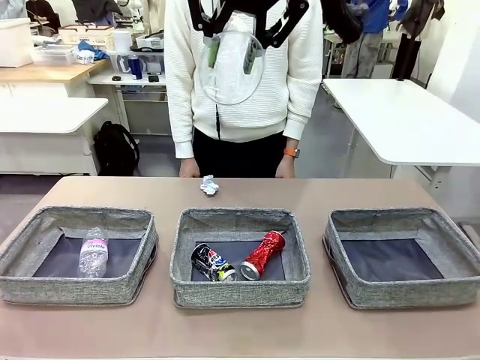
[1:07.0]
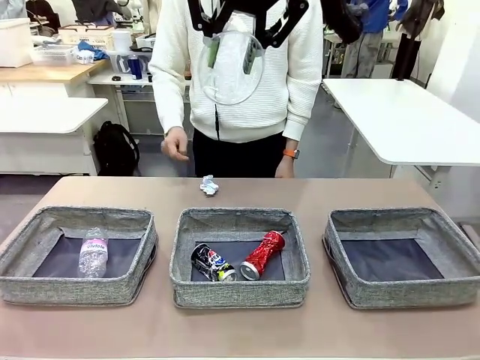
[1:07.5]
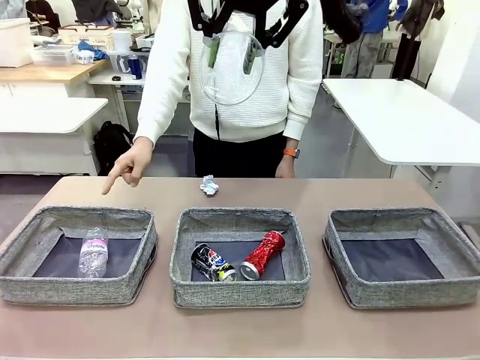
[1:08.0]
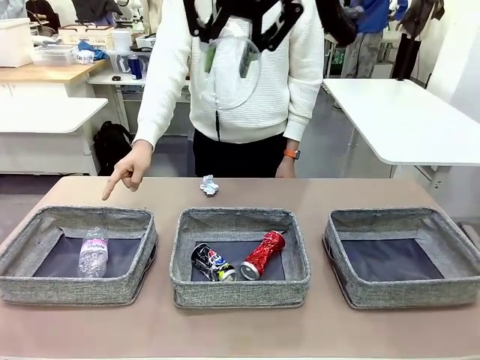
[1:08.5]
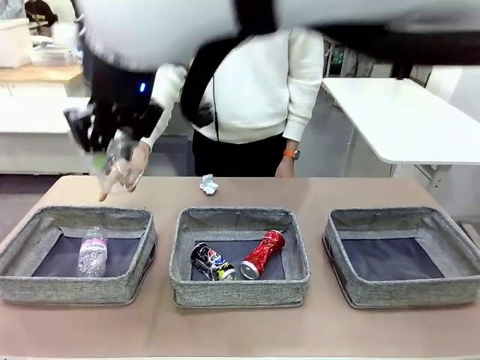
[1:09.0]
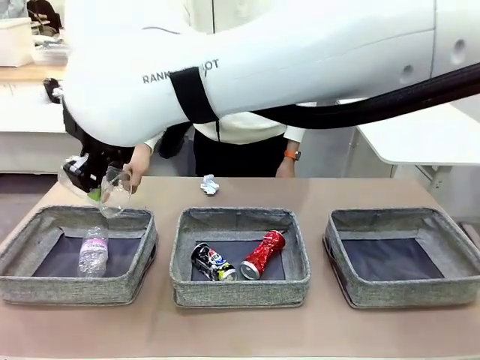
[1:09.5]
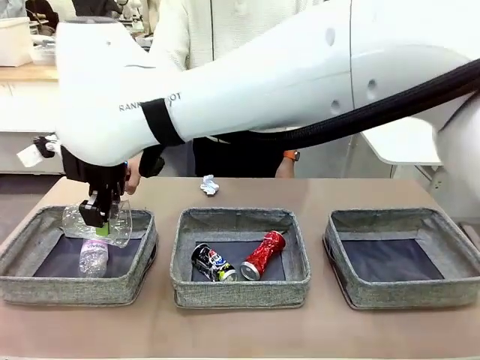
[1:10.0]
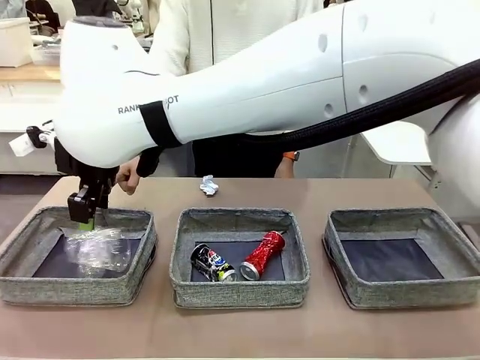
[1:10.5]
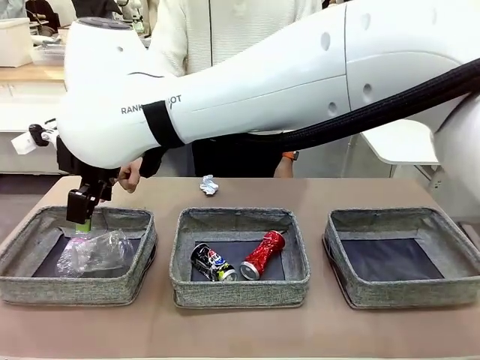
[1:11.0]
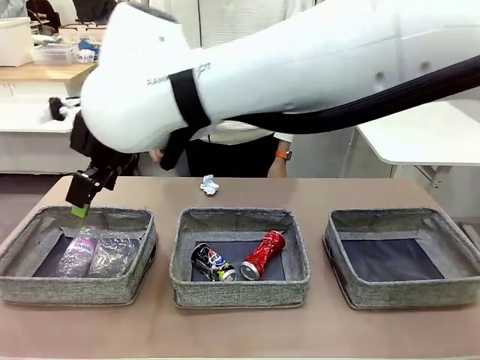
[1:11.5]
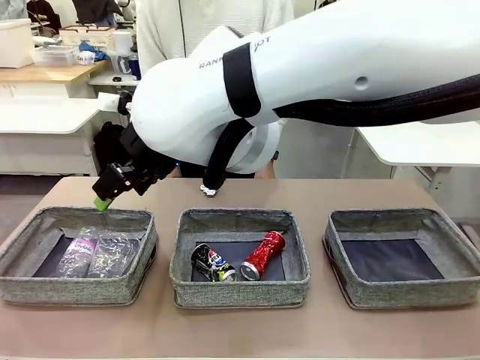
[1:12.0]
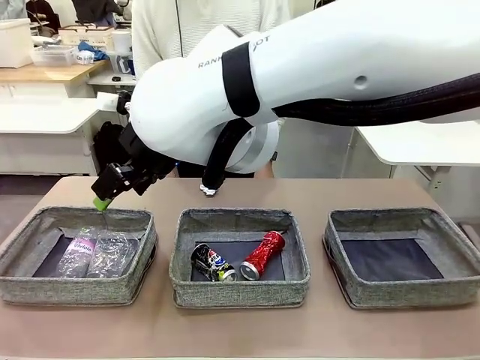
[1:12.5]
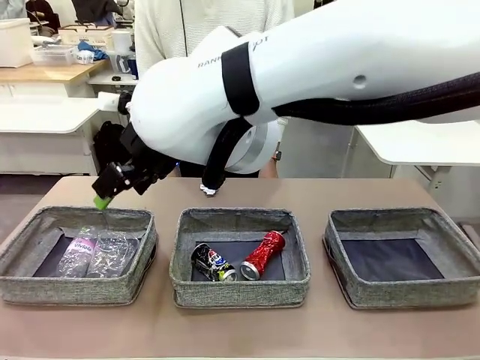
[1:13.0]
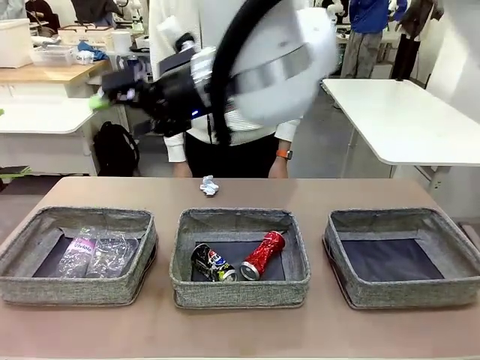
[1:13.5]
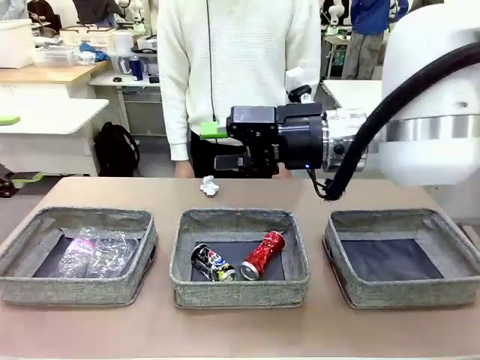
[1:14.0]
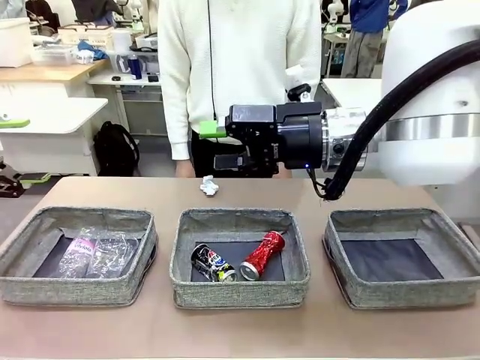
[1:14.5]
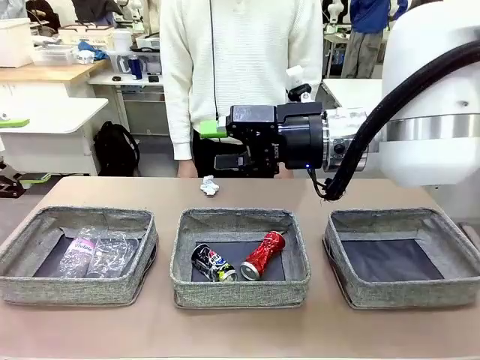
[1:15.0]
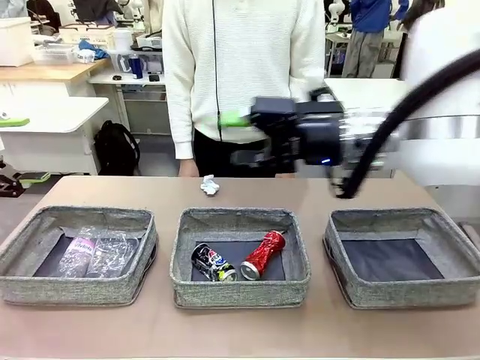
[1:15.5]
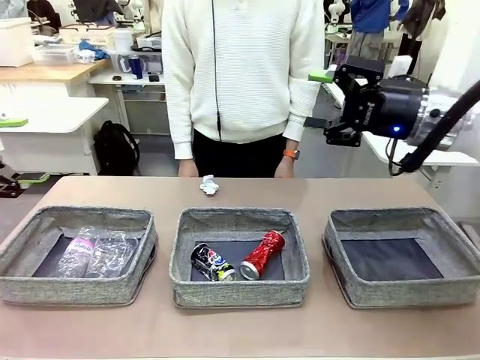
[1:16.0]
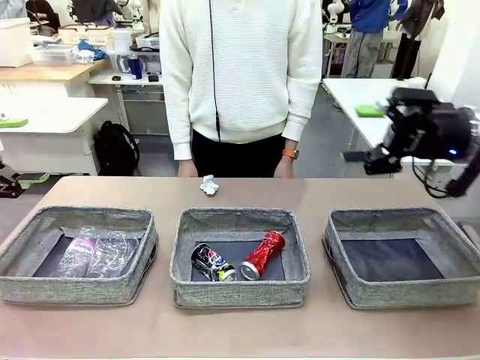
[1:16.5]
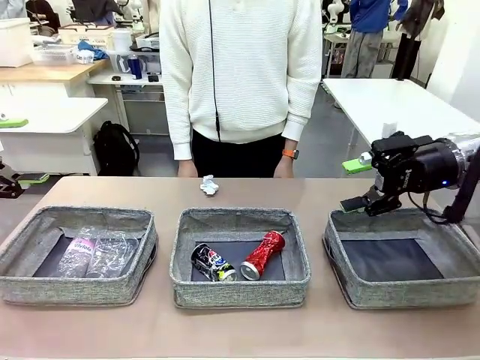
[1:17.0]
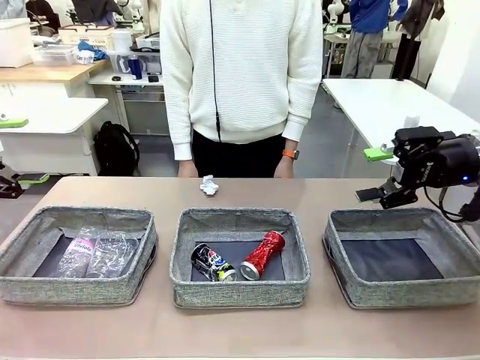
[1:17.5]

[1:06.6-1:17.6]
Task: Sort the waste into the appropriate baskets.
Robot: Place the picked waste into the Fabric basket indicated by the person.
Person: Instructs the robot to place the picked-up trash into the appropriate organizing basket.

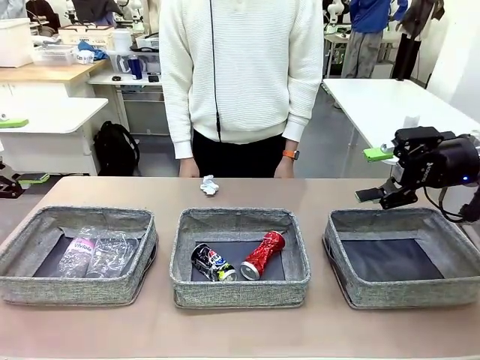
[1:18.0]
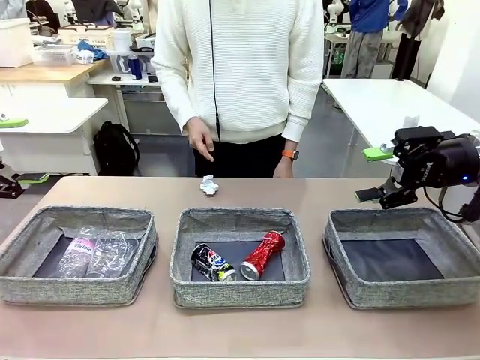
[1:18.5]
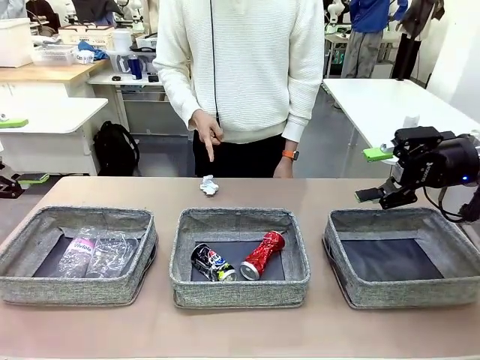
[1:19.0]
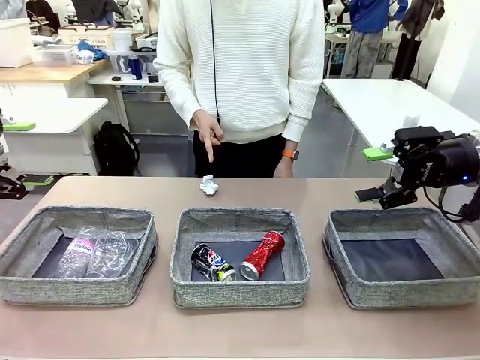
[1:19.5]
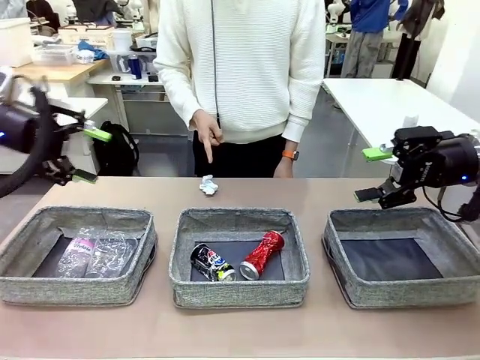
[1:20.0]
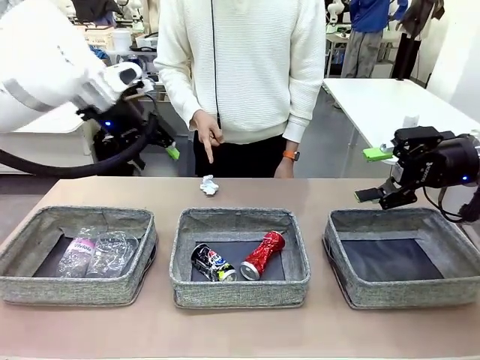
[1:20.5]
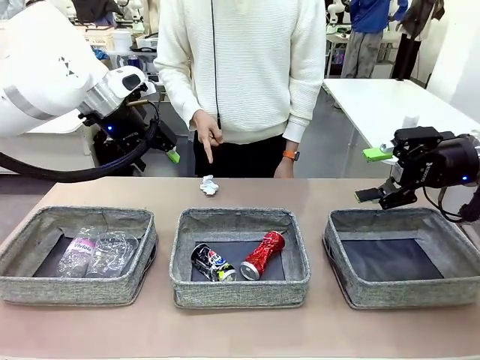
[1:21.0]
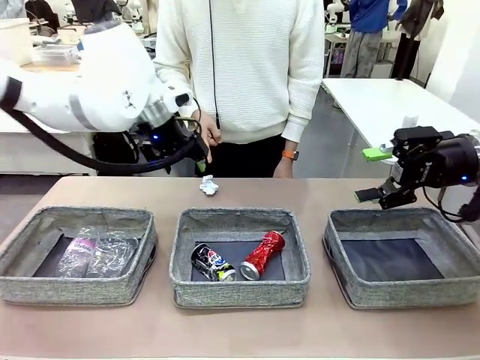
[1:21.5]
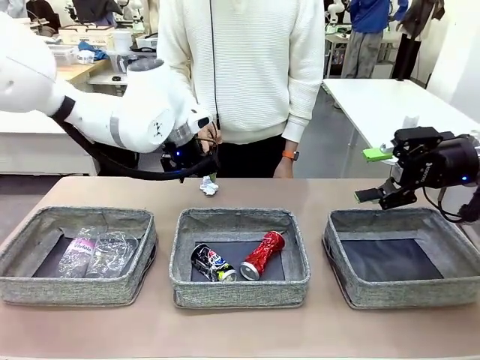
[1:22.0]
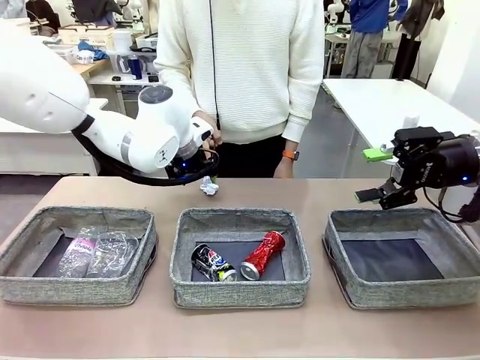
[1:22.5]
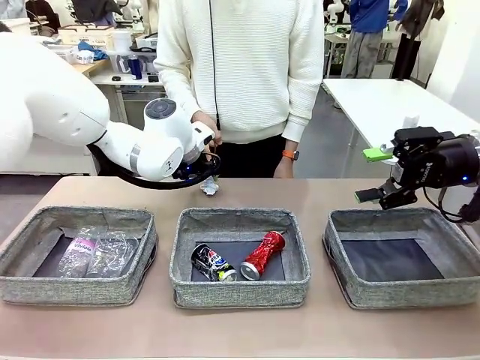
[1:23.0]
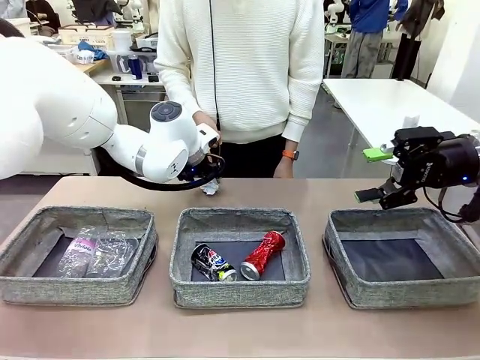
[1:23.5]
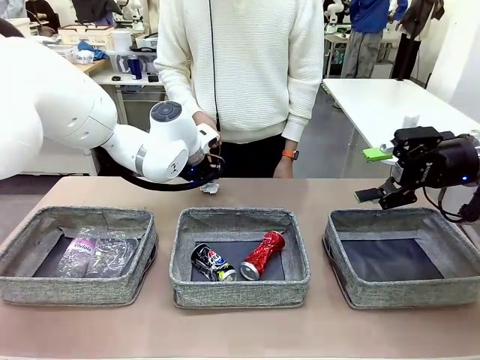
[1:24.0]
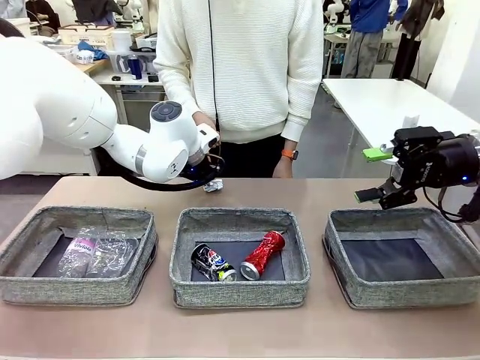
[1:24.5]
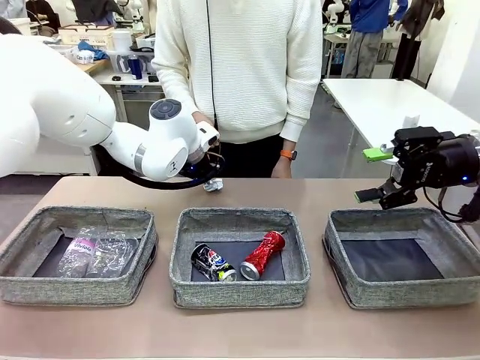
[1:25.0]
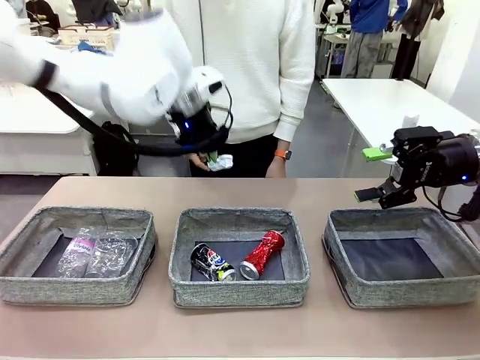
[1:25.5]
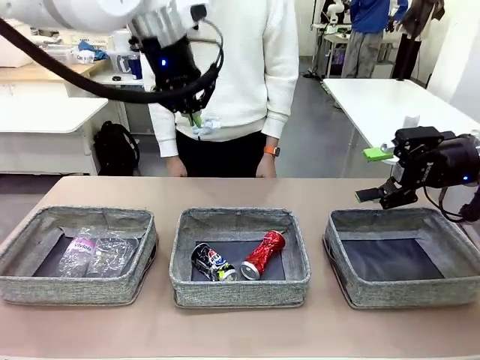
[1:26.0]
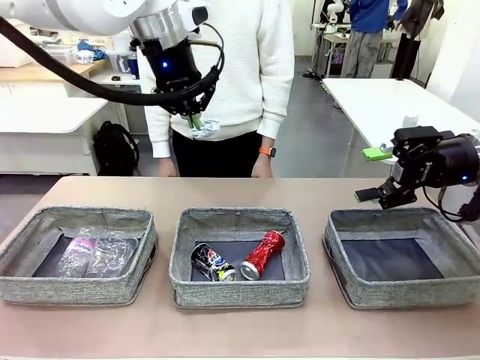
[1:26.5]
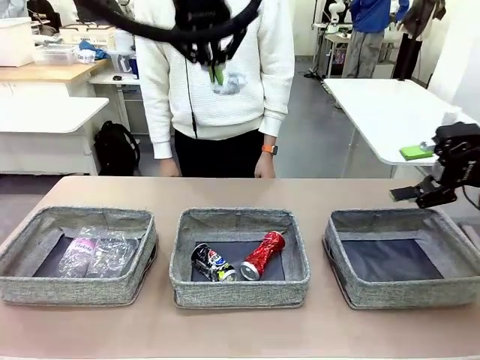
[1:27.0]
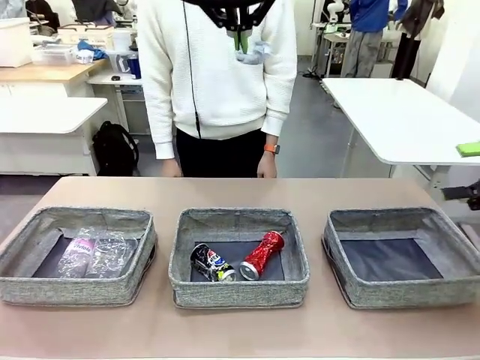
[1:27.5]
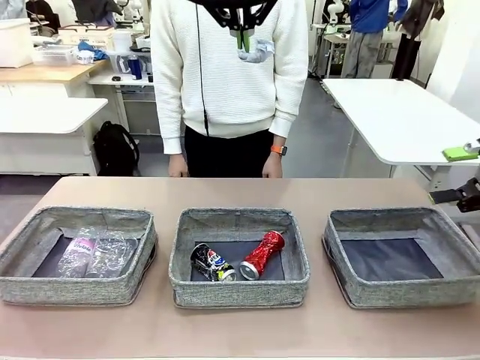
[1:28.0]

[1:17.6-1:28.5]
Robot: Pick up the waste item pointed out by the person.
Person: Points to one piece of trash on the table.

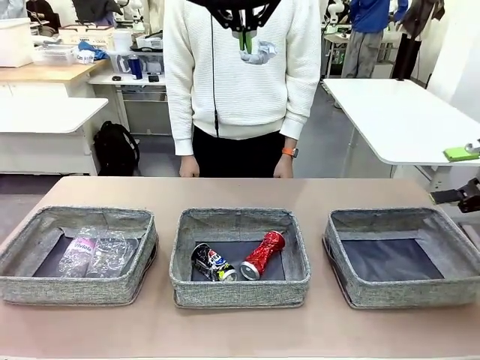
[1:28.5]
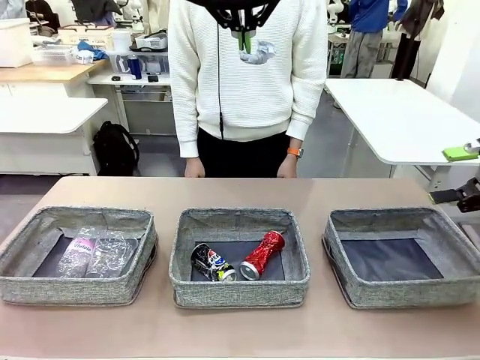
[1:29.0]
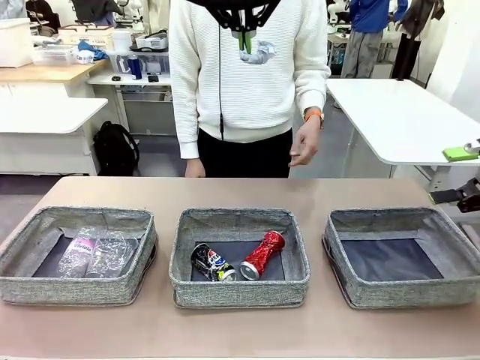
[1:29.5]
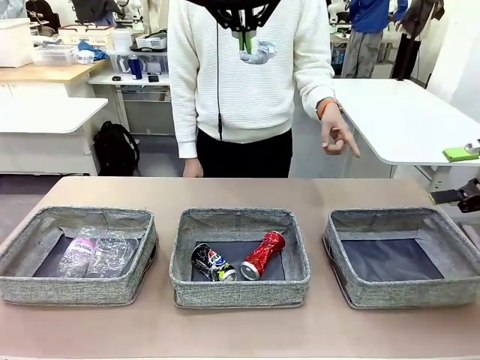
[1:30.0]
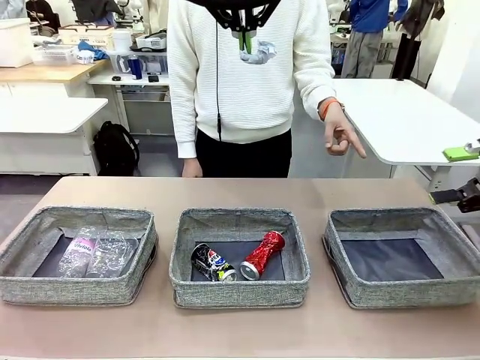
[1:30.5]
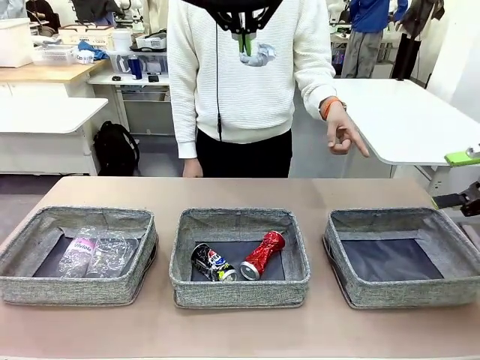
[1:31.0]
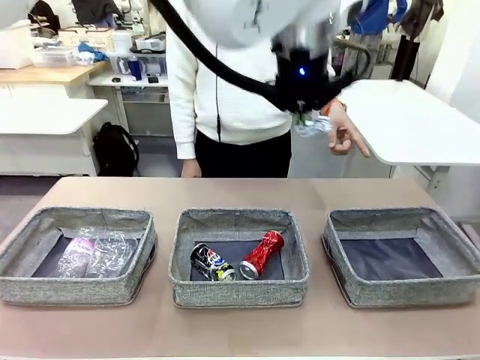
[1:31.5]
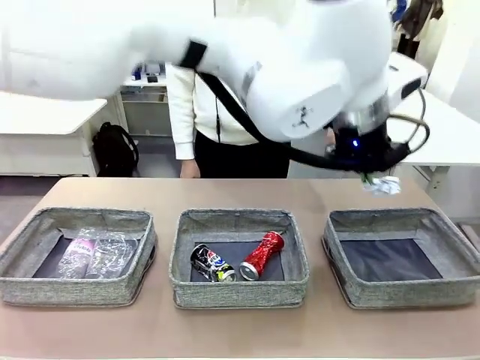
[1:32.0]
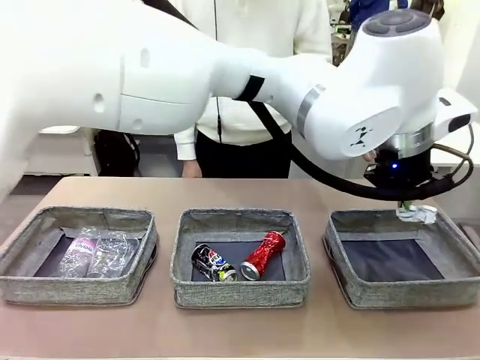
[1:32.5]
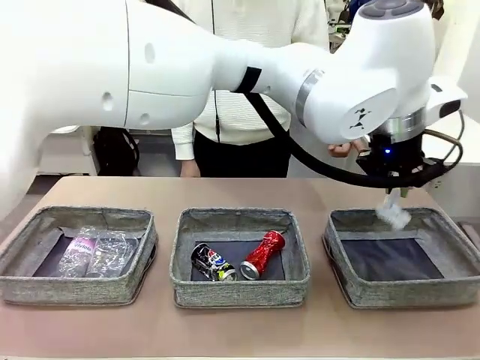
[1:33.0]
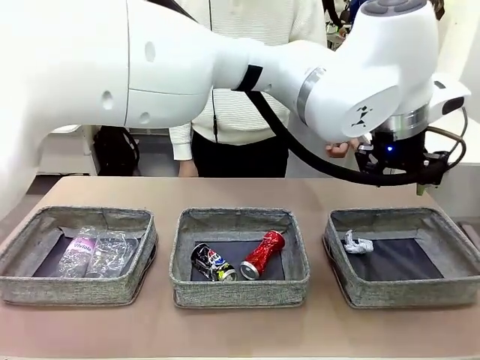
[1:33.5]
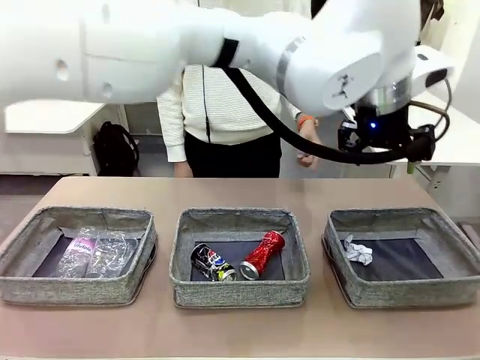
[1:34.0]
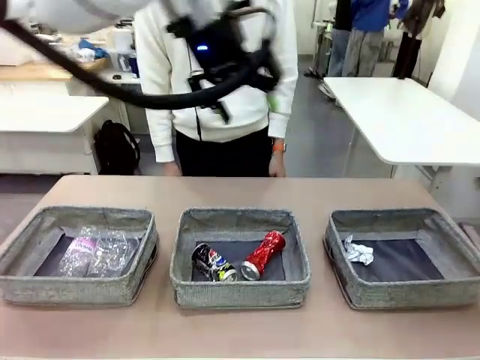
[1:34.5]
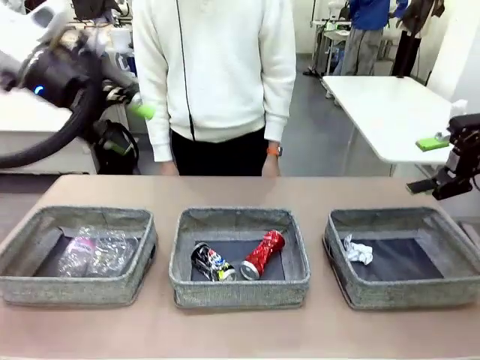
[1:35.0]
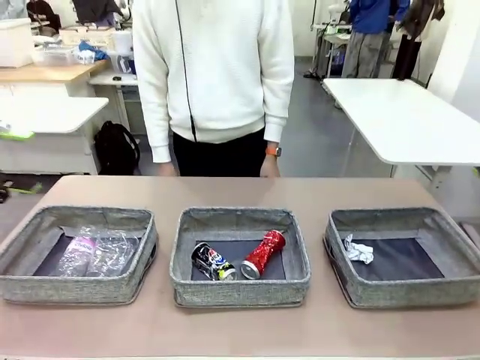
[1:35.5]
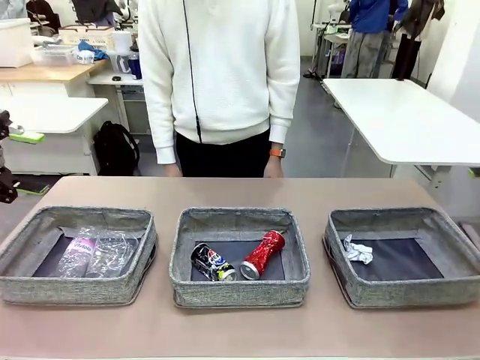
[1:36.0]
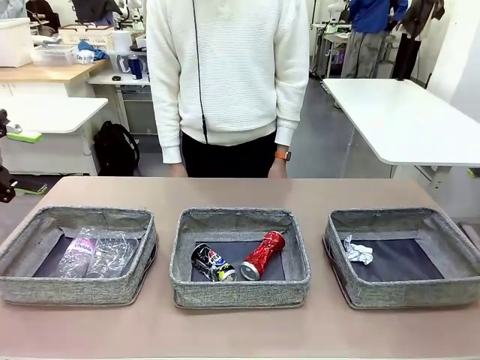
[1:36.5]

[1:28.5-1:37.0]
Robot: Place the picked waste into the Fabric basket indicated by the person.
Person: Instructs the robot to place the picked-up trash into the appropriate organizing basket.
